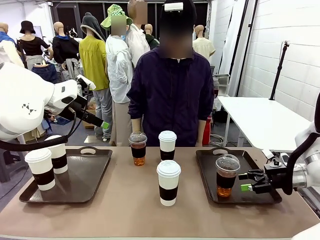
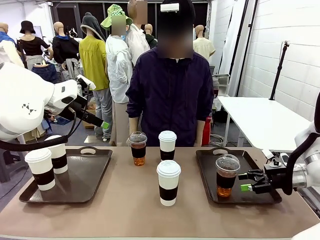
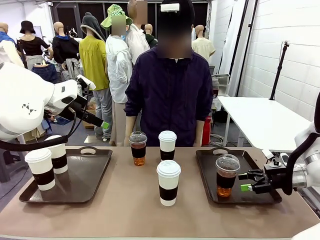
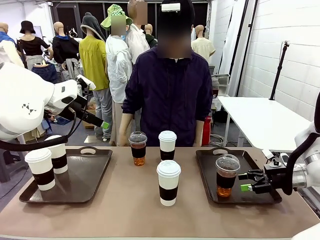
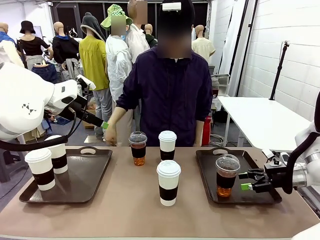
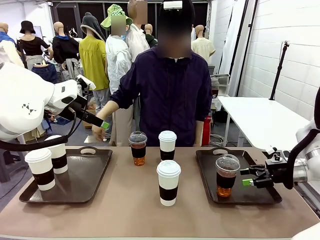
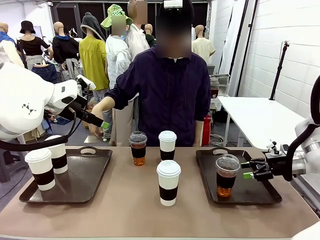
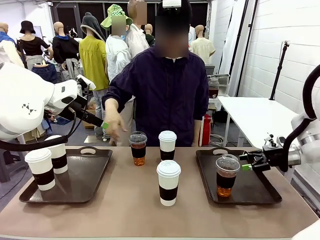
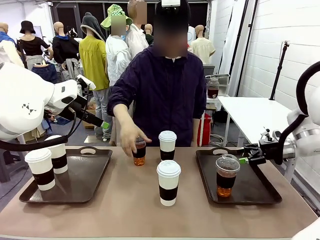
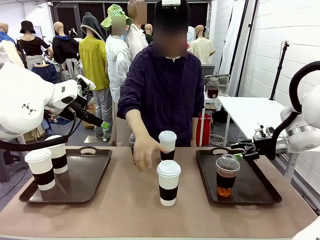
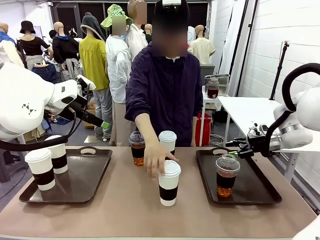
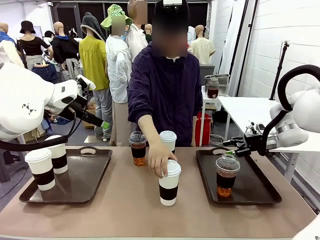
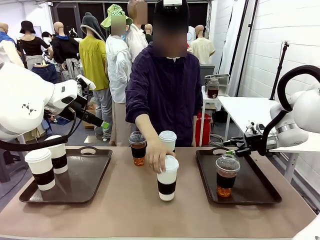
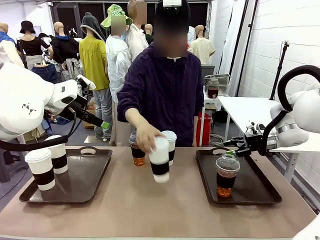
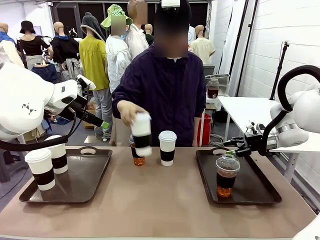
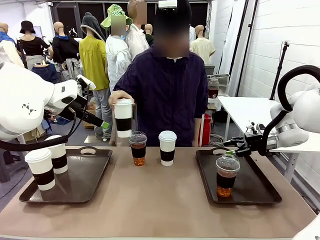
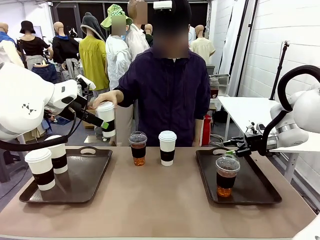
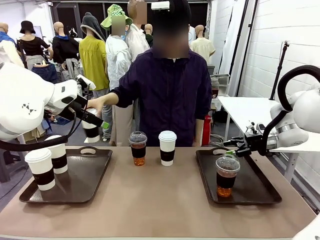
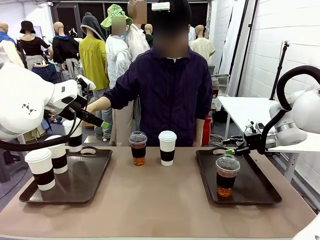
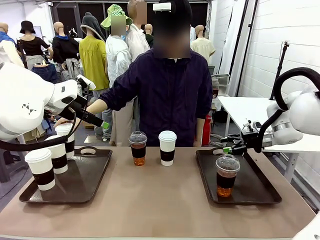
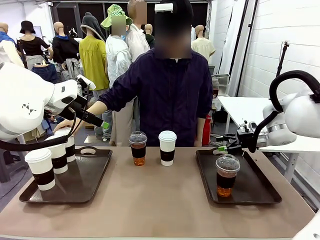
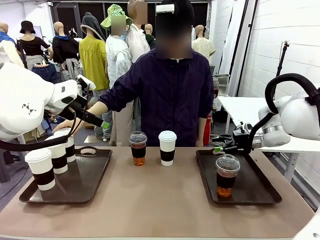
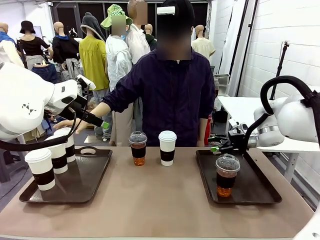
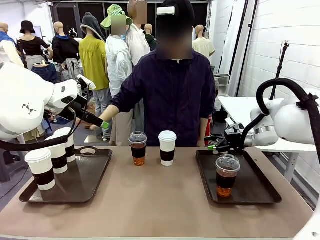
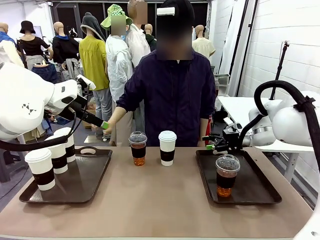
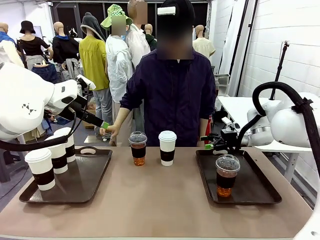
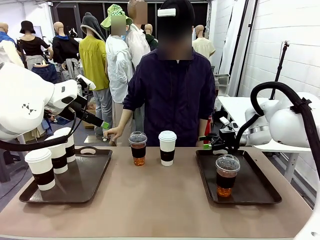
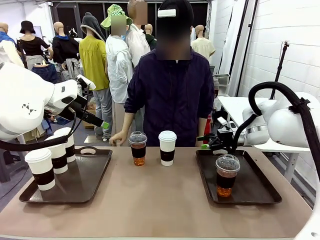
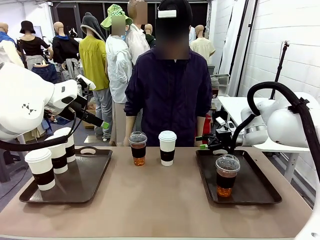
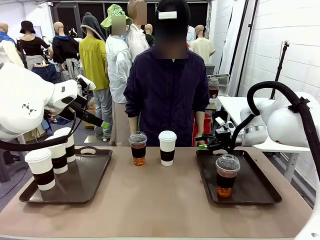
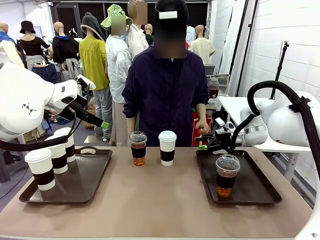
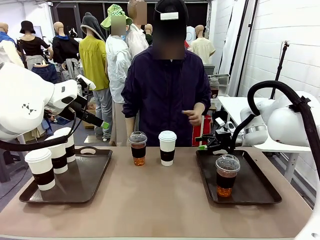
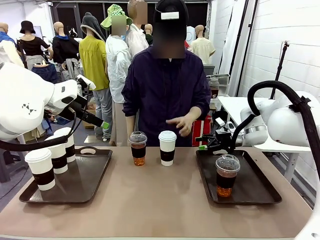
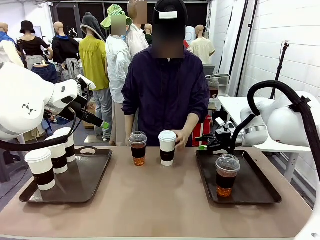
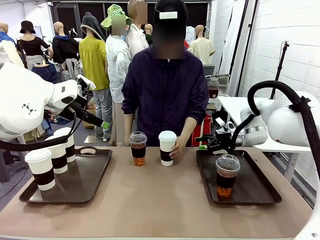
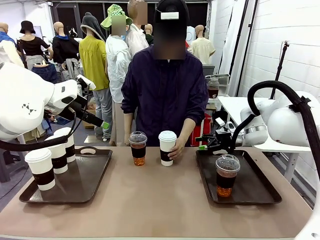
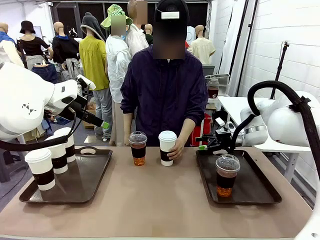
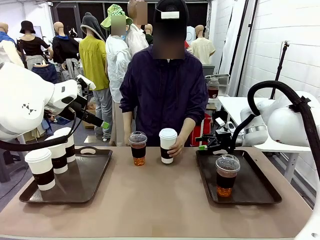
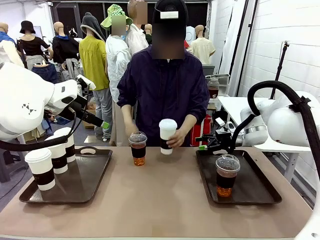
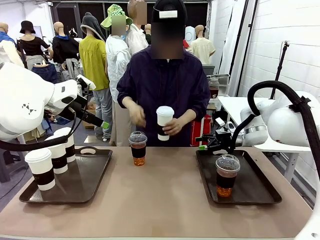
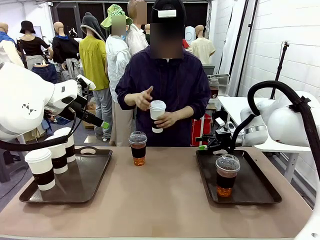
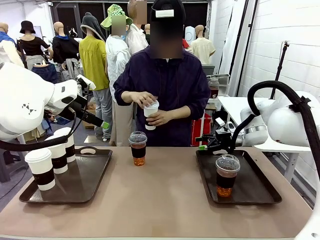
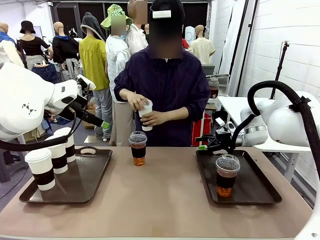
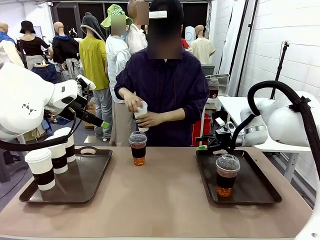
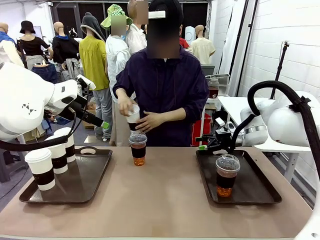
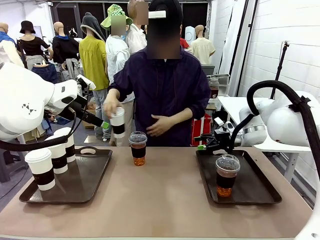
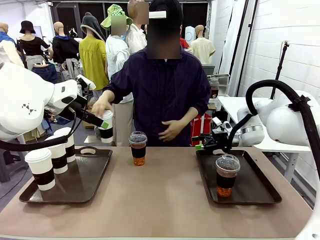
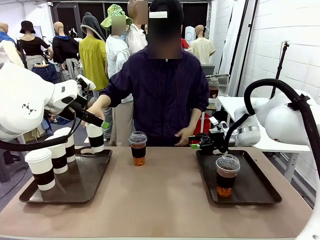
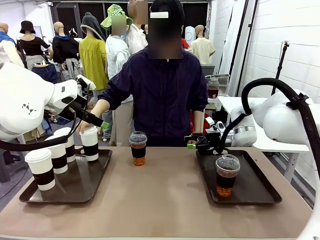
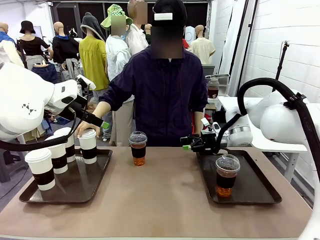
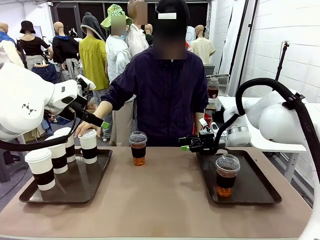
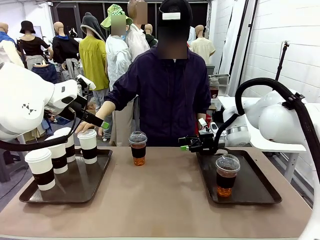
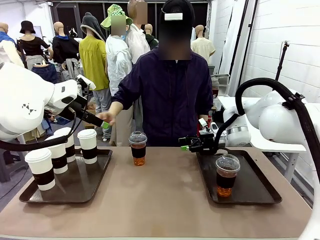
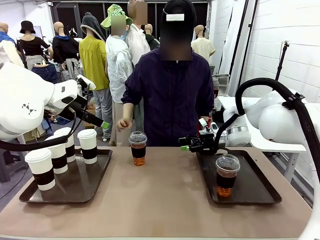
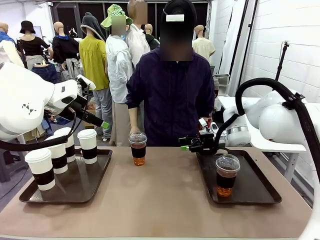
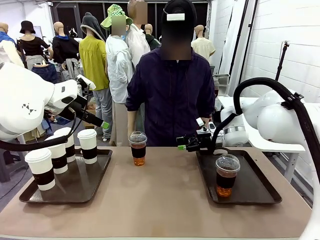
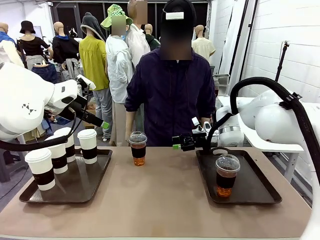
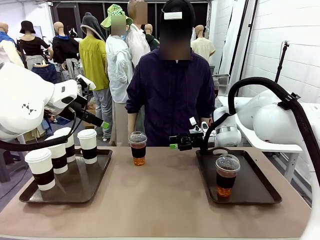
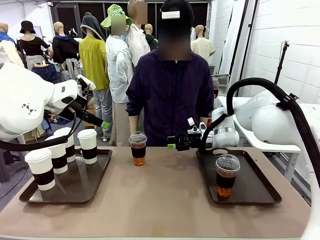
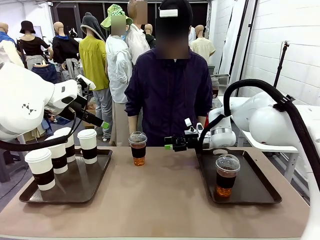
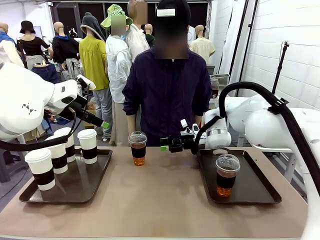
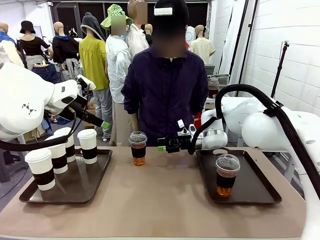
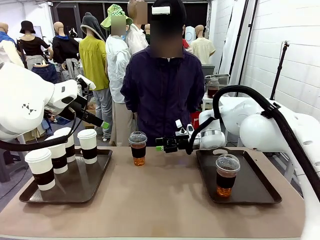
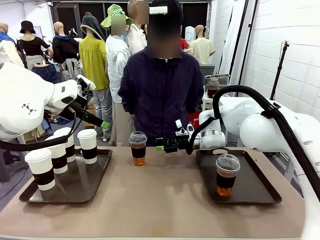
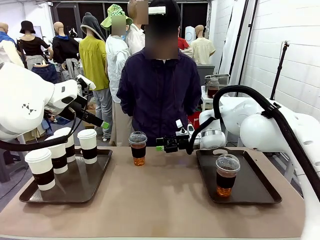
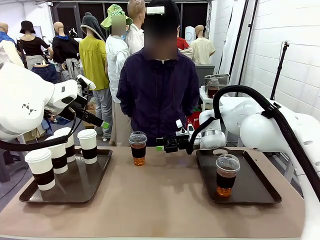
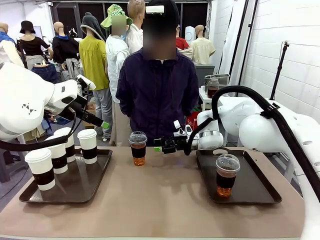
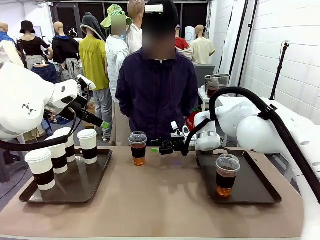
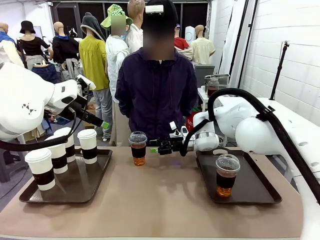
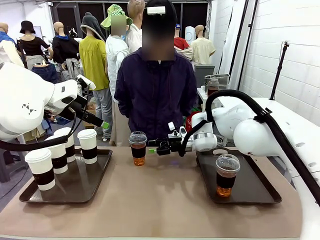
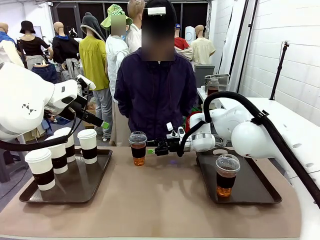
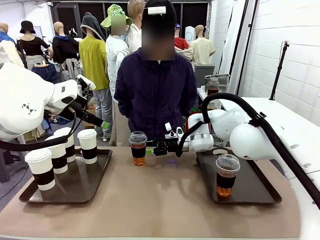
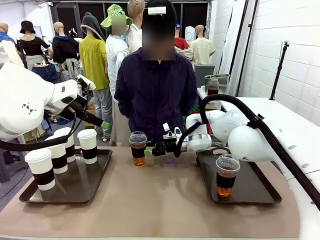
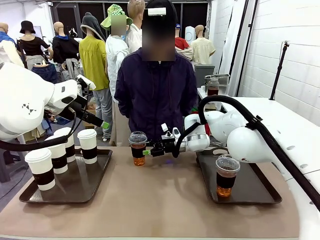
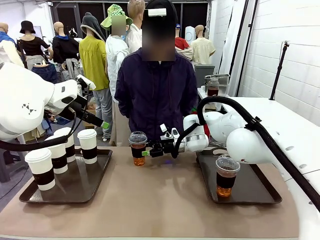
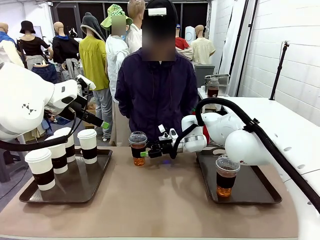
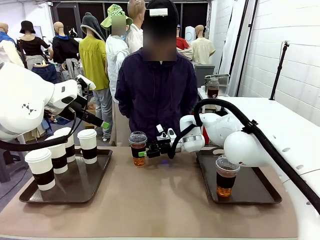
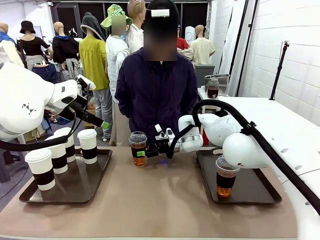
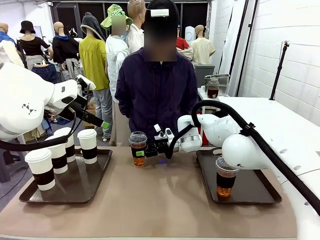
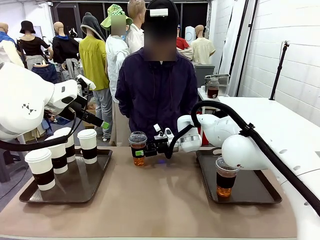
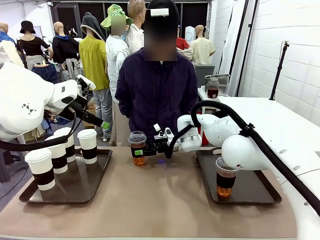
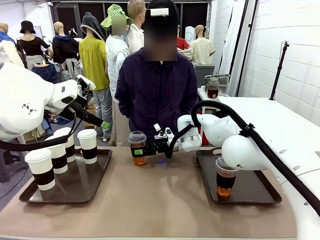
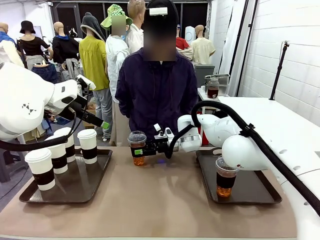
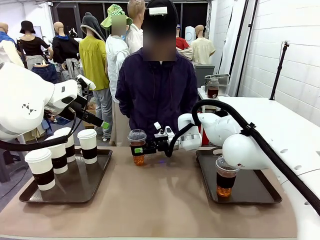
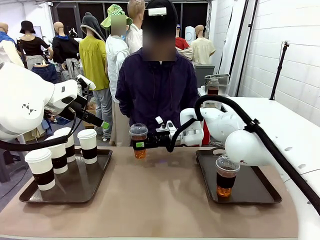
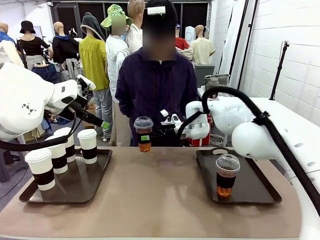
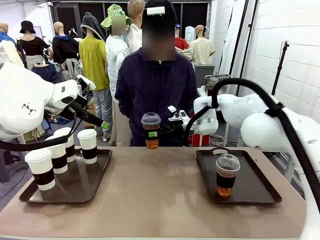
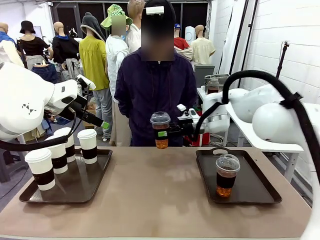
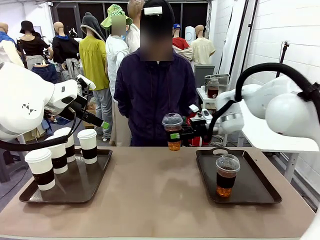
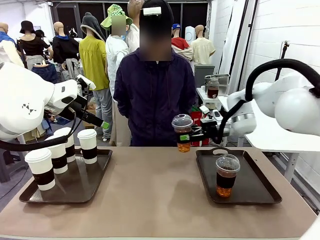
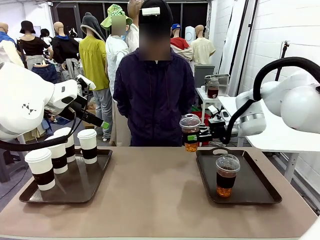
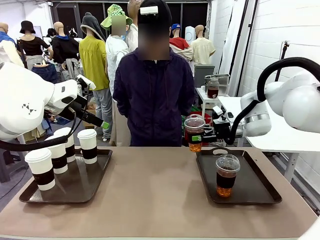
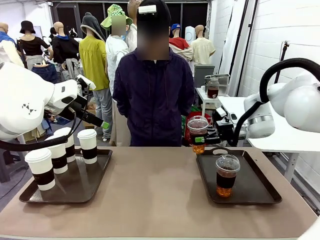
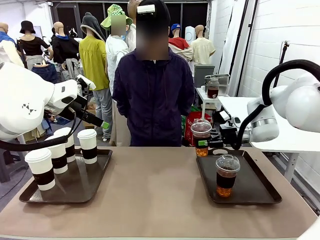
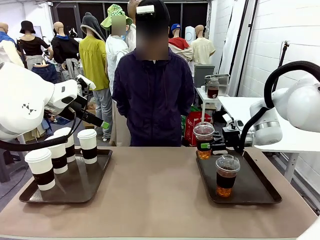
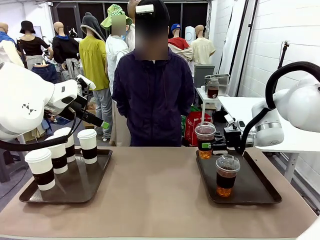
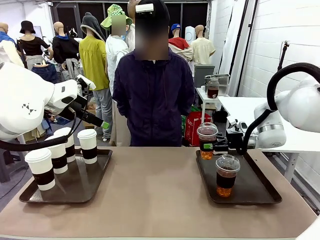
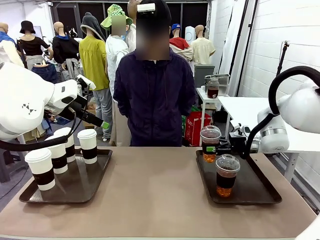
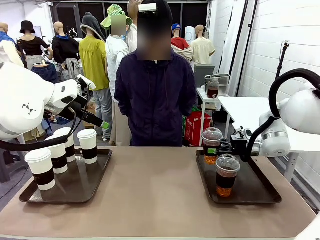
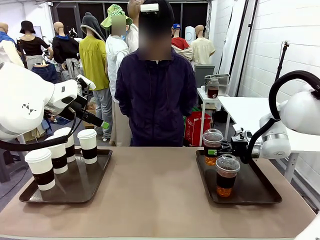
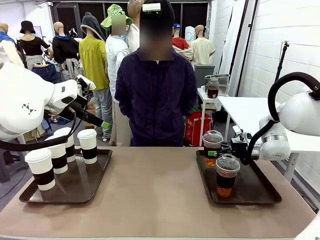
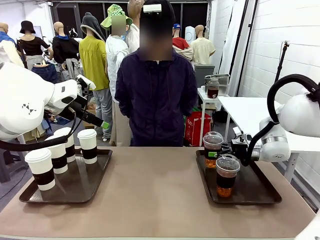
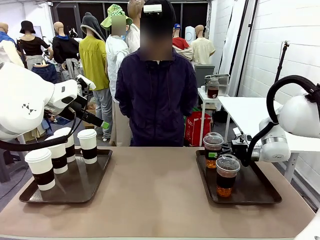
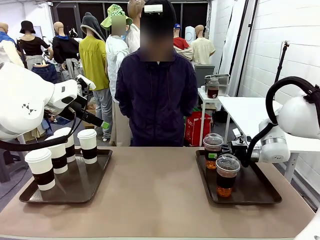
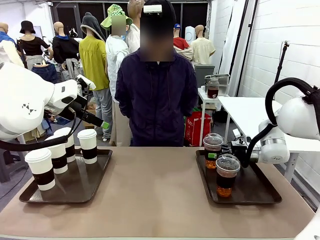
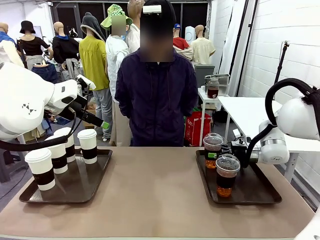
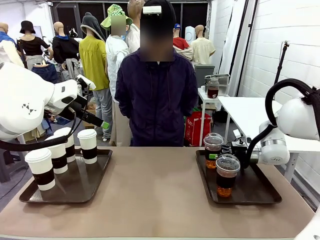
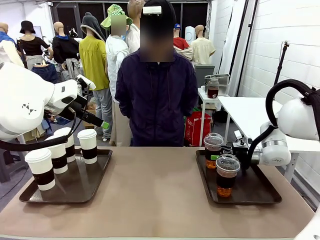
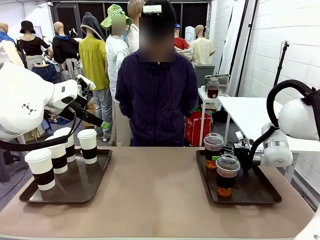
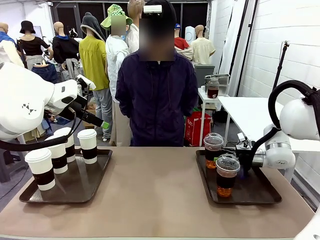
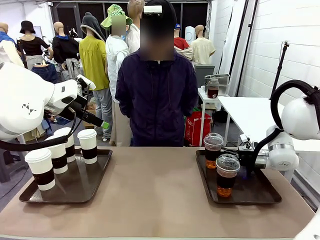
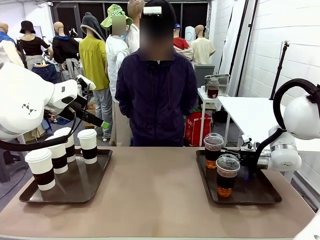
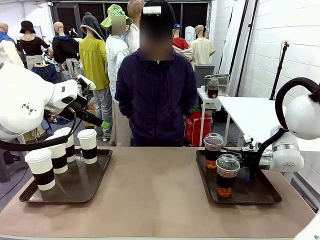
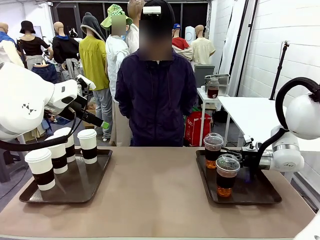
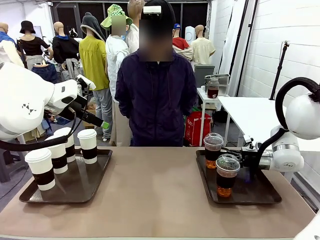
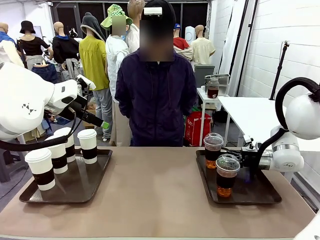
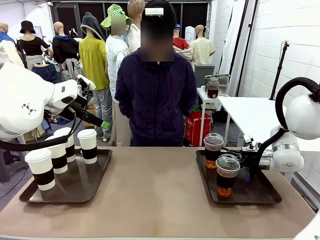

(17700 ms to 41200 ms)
Task: Distribute the coffee onto the tray.
Robot: Pick up another iced Americano from the middle of the table and place it on the right Handle tray.
Person: Pick up a cup of hot Americano from the middle of the table and place it on the right tray.
